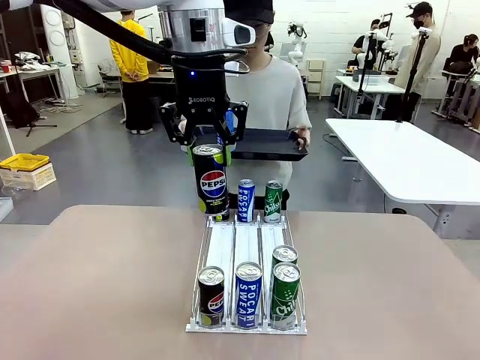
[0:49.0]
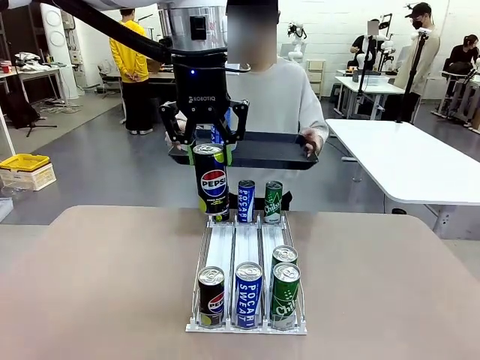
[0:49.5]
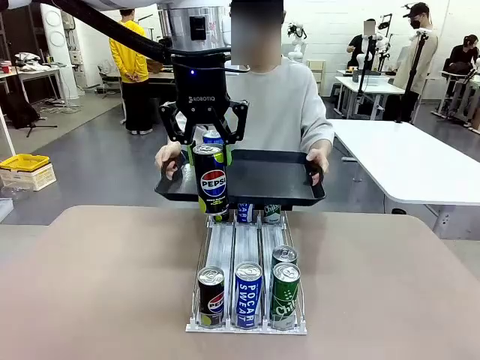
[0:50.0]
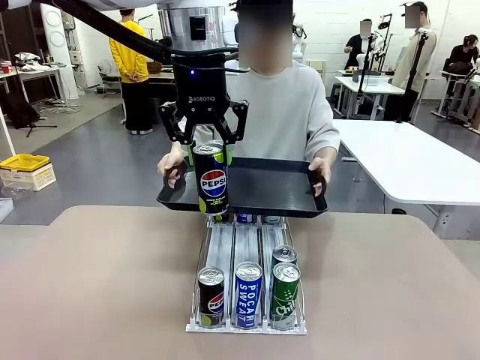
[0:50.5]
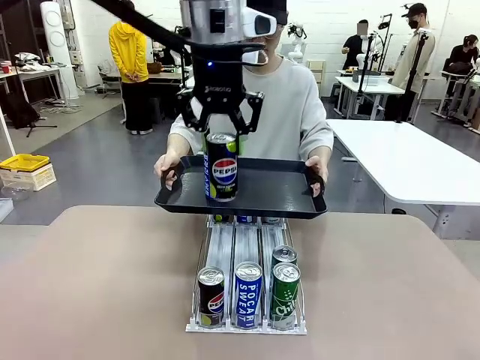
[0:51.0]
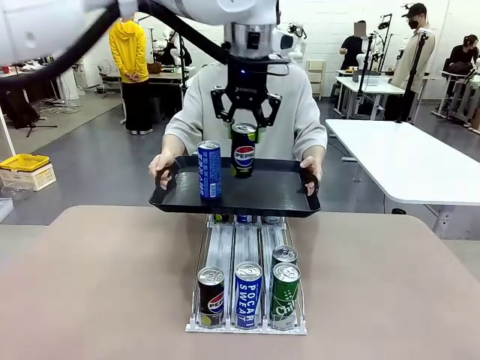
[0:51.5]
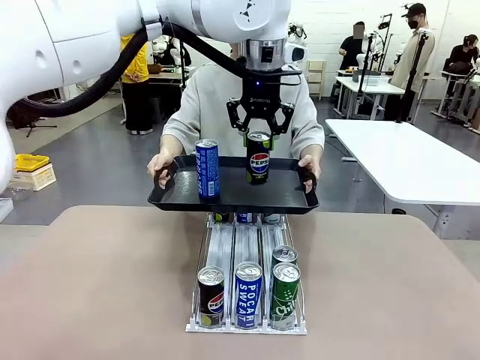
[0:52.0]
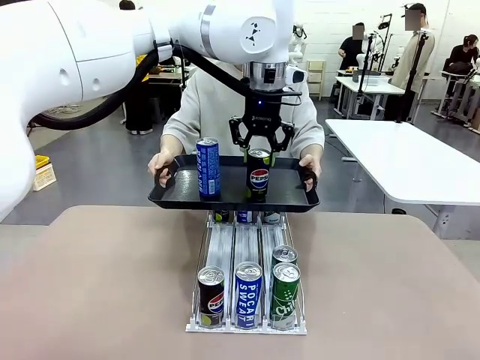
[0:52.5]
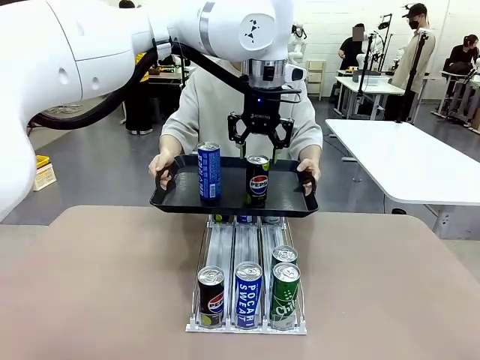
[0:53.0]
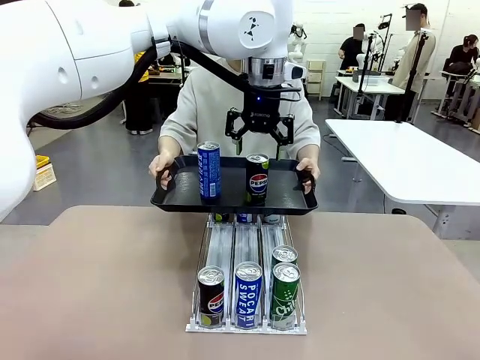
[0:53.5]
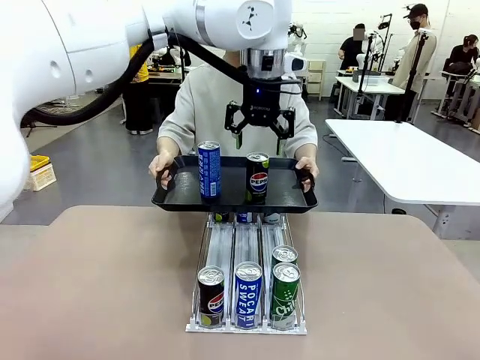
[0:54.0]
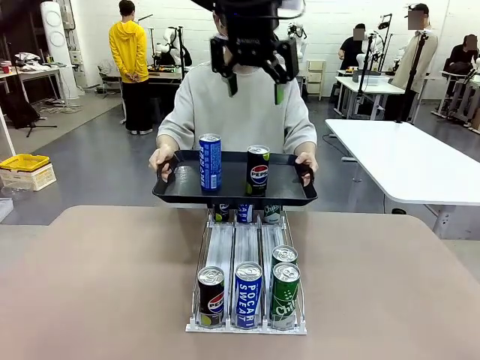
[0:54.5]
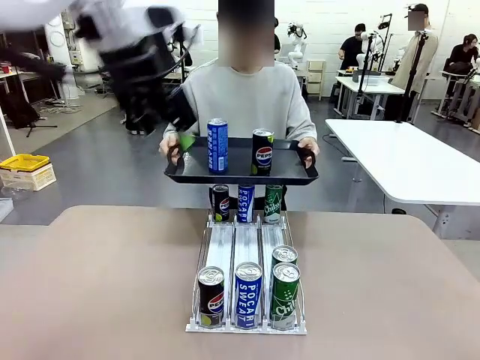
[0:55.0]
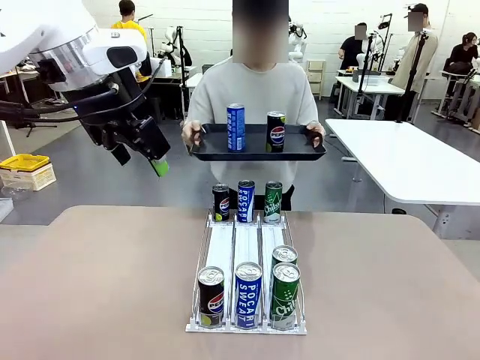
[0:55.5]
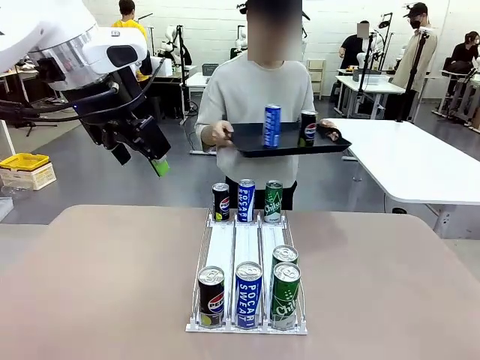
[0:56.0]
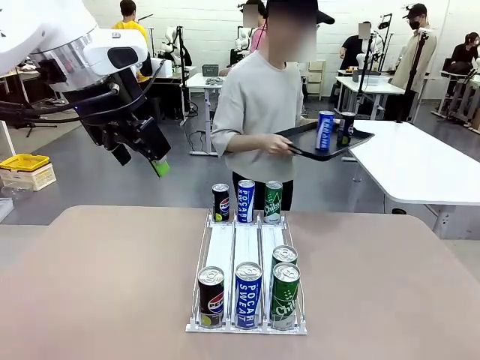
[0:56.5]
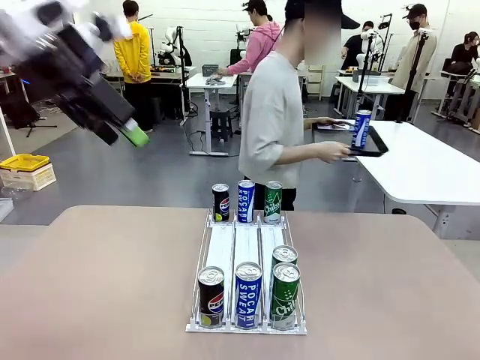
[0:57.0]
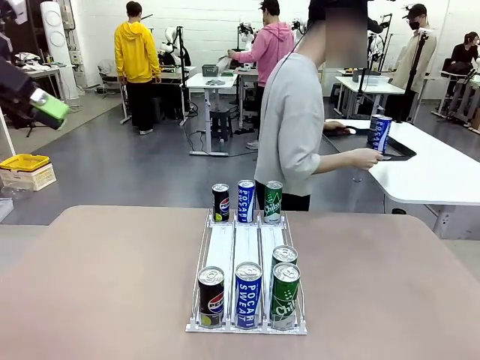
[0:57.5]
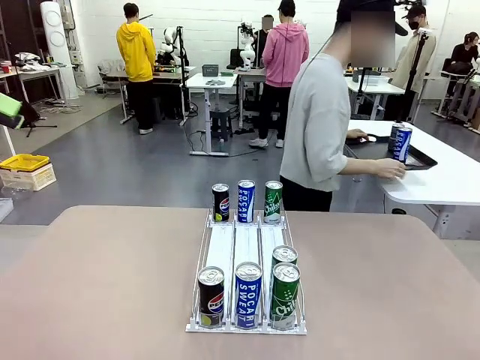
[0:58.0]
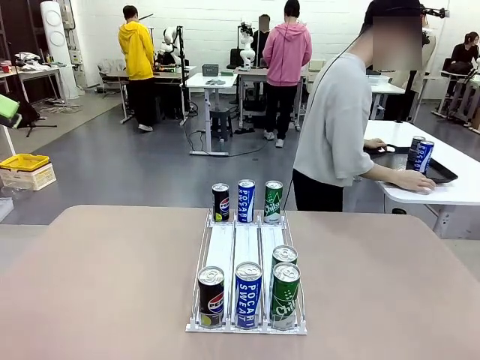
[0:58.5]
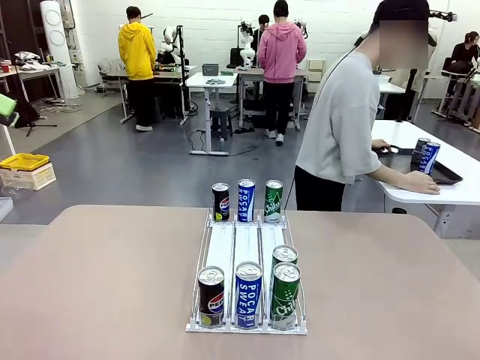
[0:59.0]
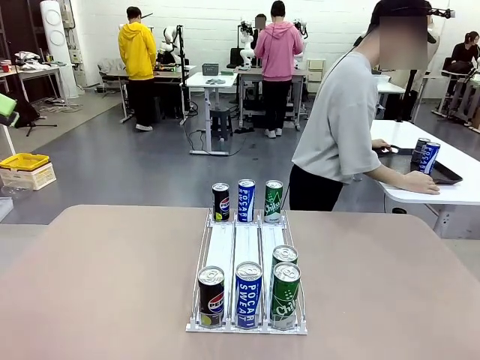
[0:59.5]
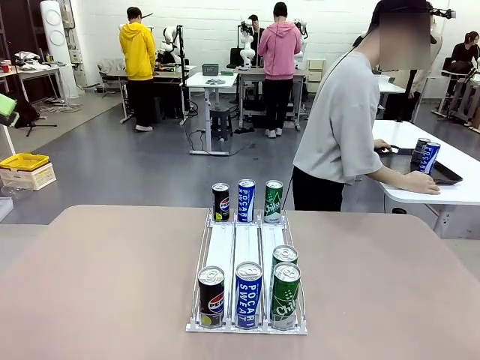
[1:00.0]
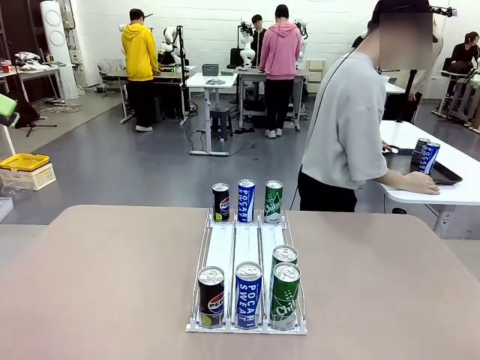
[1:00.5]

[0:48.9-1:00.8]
Task: Retrieve and hand over the desired beverage to the person.
Robot: Place the picked can on the Handle tray extended by the person.
Person: Pull the tray back and place it at the center of the human table.

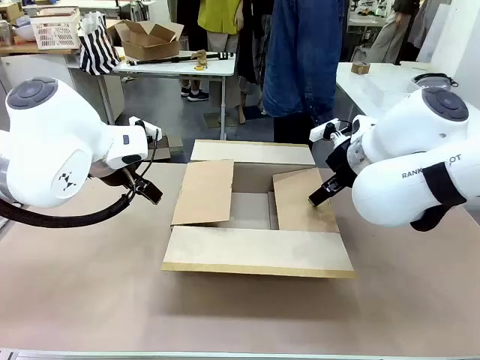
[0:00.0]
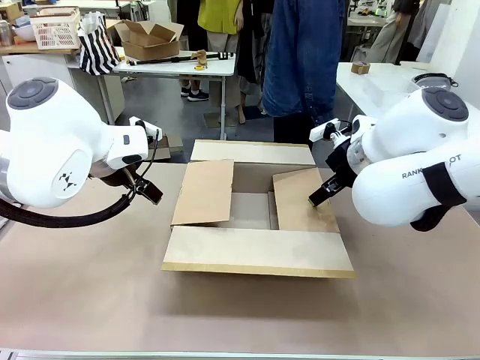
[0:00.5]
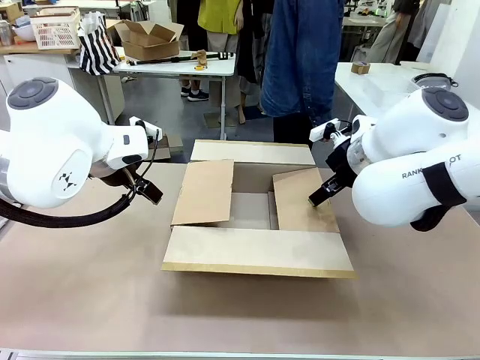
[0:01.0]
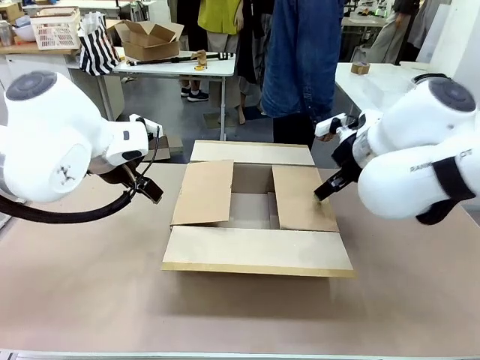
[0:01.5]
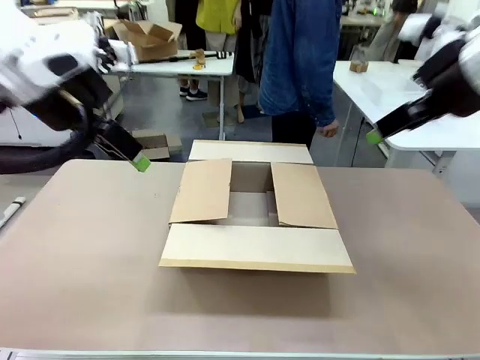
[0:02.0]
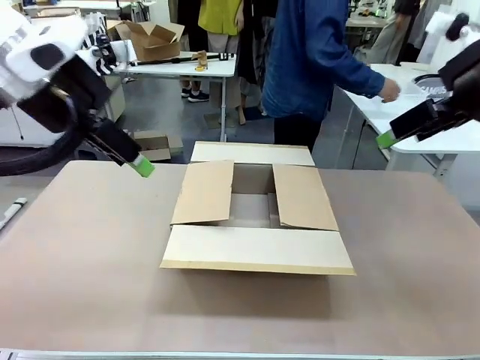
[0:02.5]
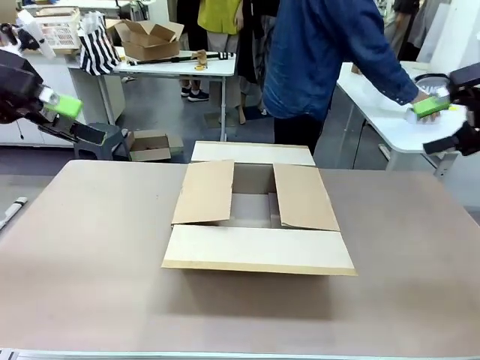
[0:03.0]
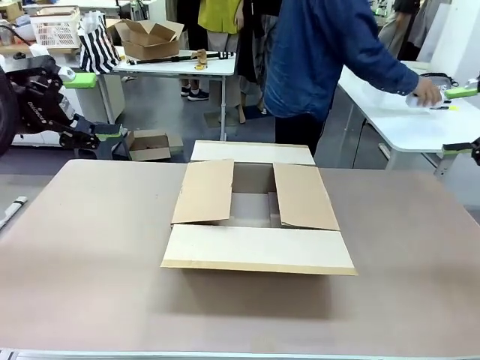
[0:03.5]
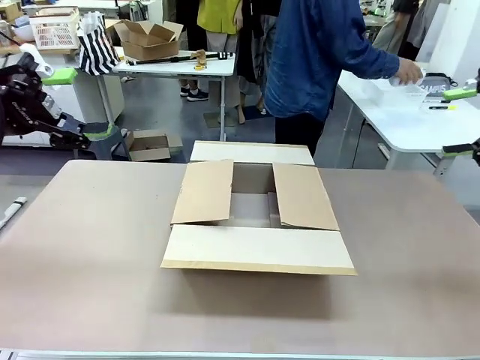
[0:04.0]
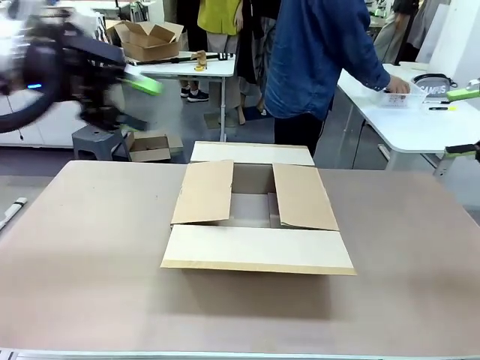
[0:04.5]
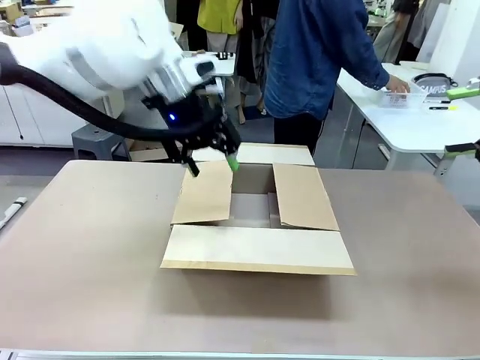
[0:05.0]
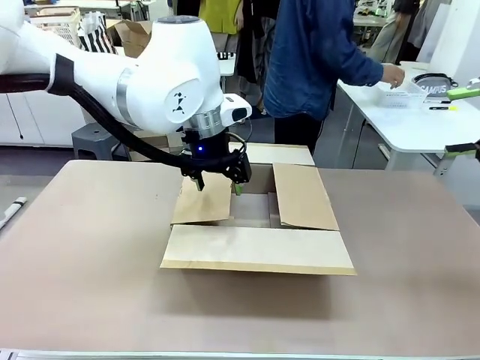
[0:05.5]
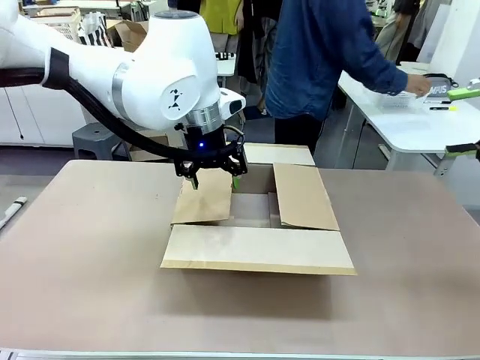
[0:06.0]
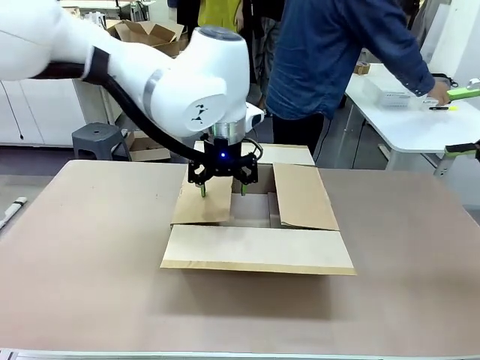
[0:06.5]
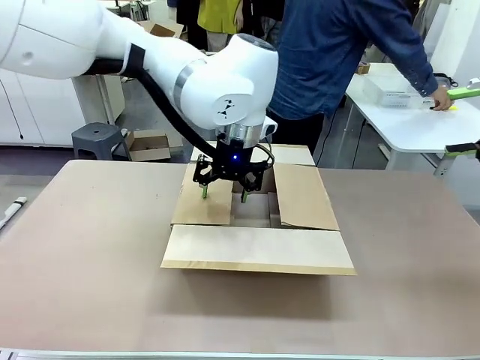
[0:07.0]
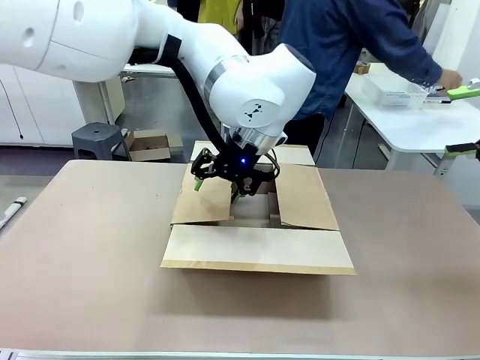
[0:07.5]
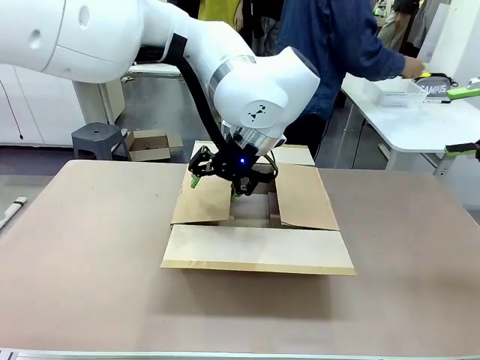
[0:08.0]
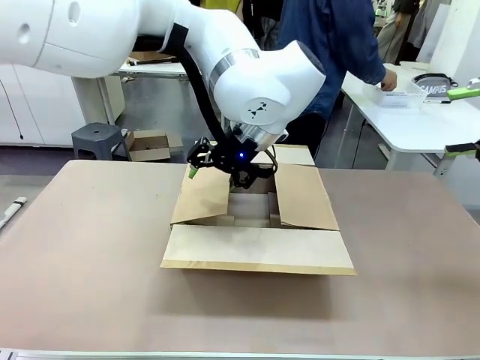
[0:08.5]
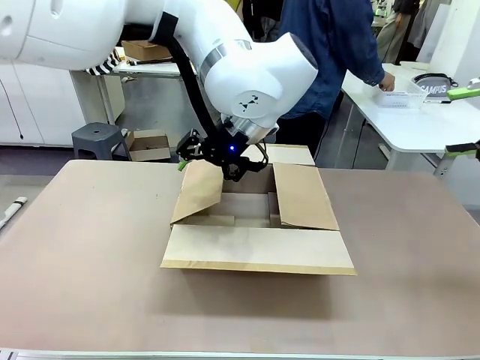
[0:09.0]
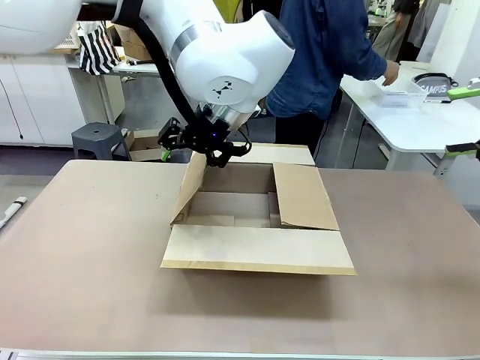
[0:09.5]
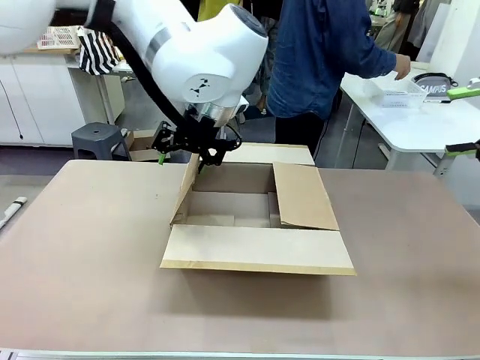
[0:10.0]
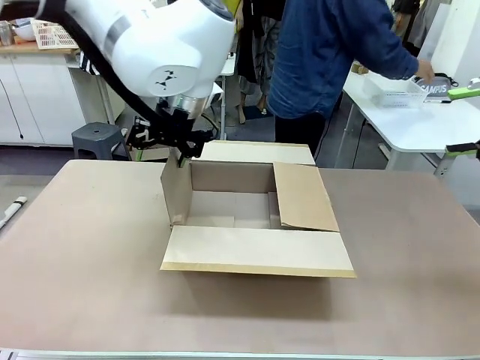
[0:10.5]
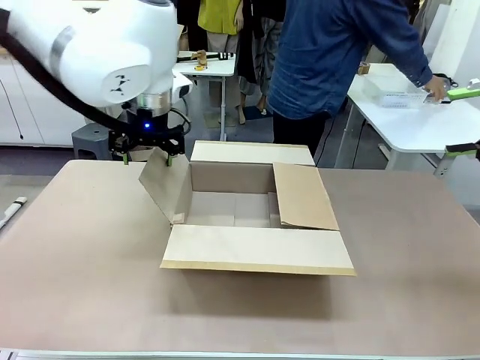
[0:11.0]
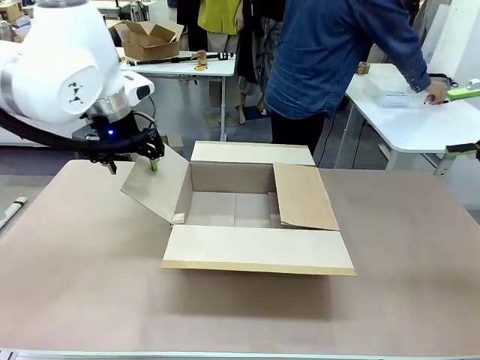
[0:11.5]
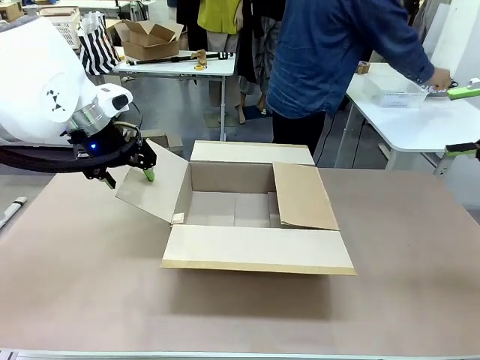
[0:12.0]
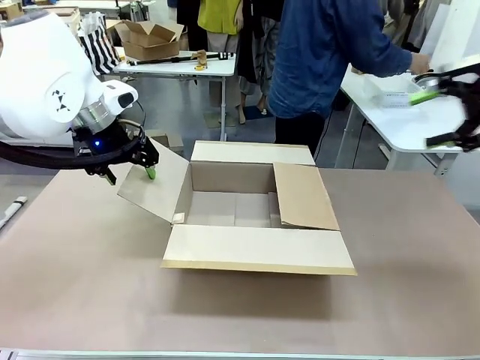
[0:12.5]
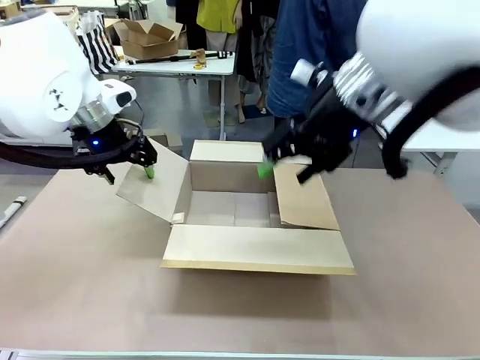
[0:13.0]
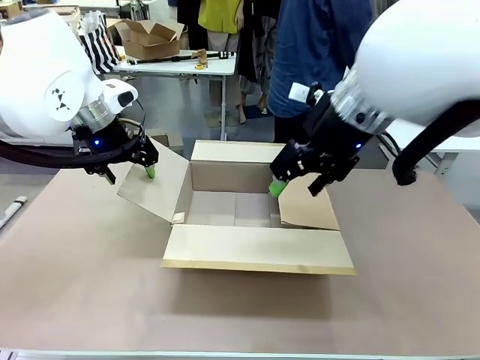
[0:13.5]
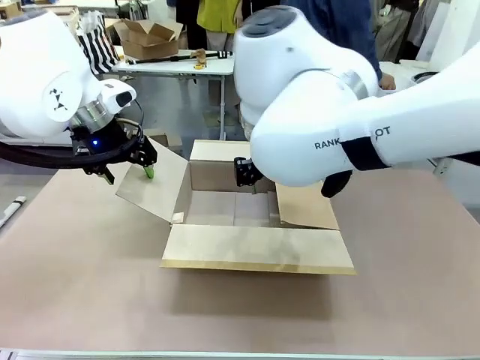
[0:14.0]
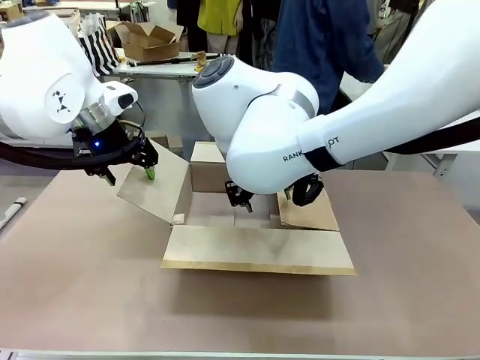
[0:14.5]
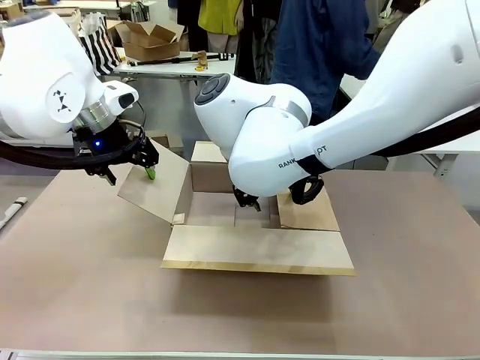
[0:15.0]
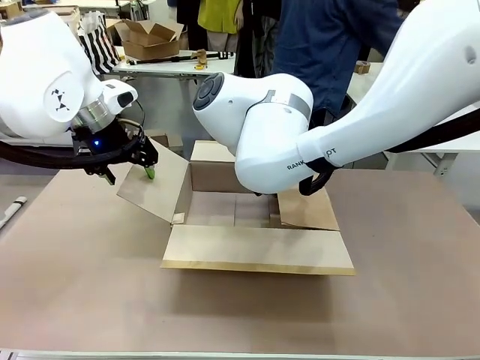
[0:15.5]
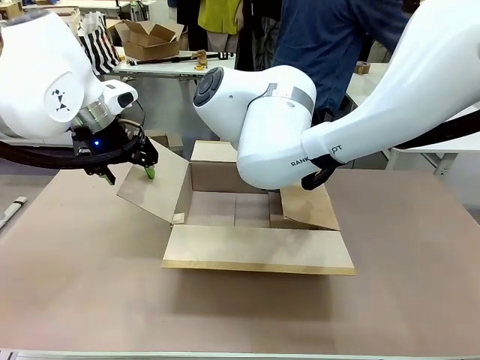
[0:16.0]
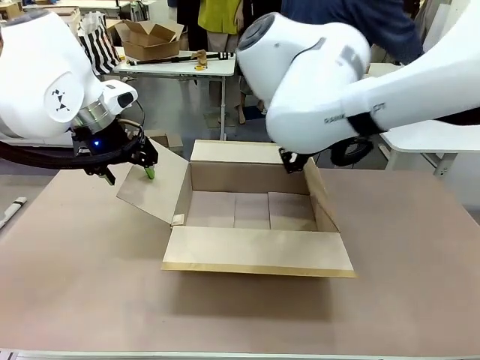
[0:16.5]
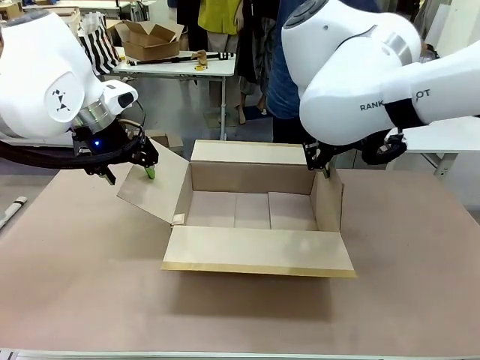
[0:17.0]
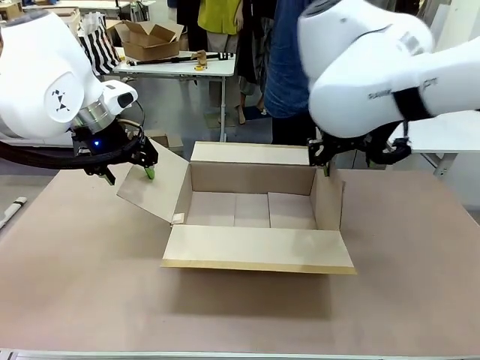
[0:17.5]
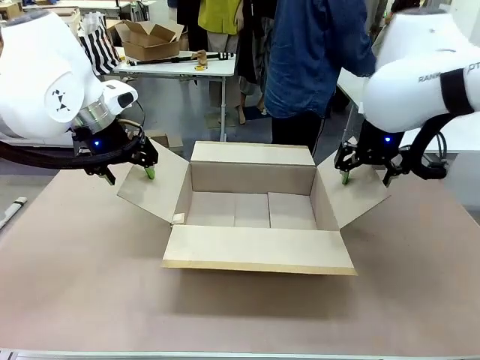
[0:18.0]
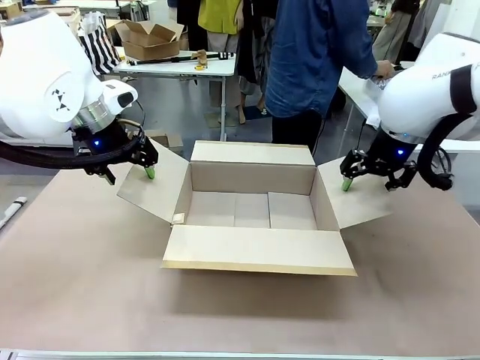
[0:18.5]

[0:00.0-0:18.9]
Task: Pack the gift set into the box.
Robot: Place both hands on the side flaps of the Package Box and spread them outward.
Person: The human places all items except the paper tape into the organizing basket.
